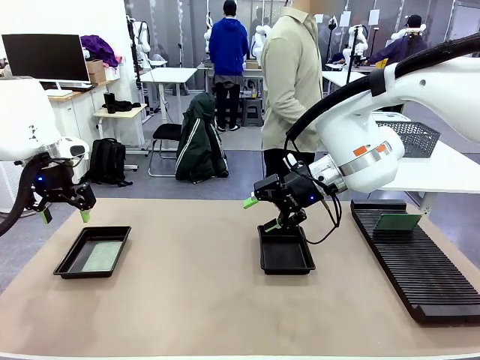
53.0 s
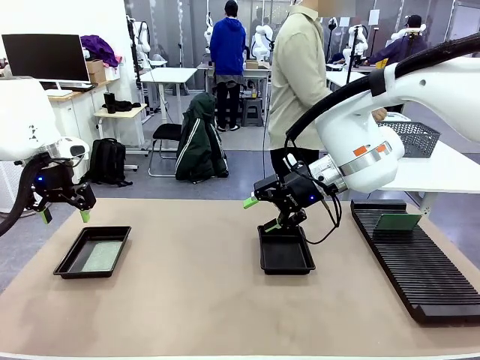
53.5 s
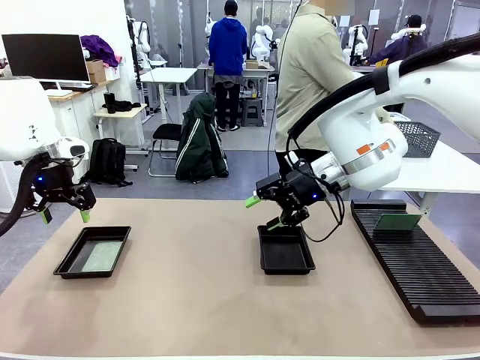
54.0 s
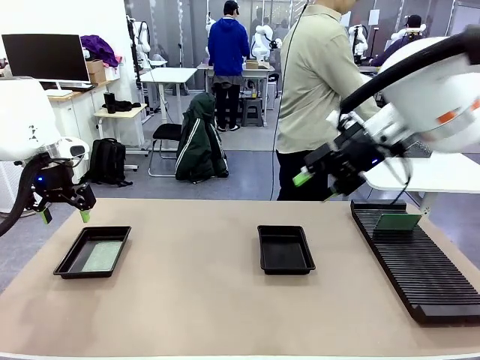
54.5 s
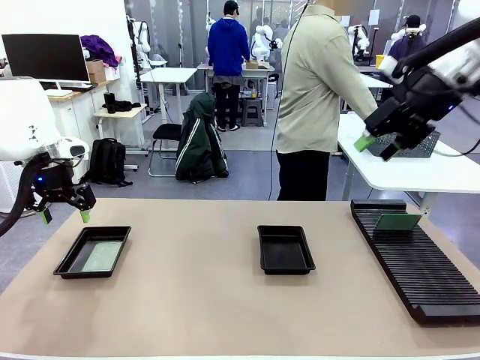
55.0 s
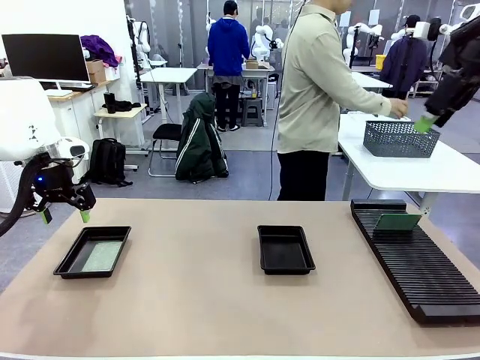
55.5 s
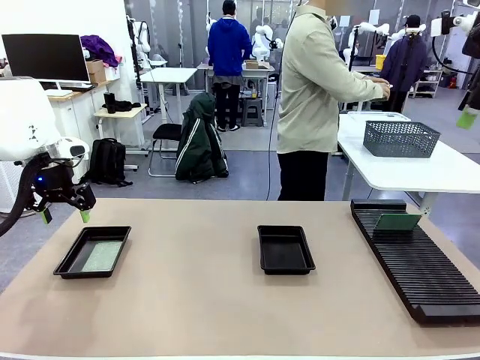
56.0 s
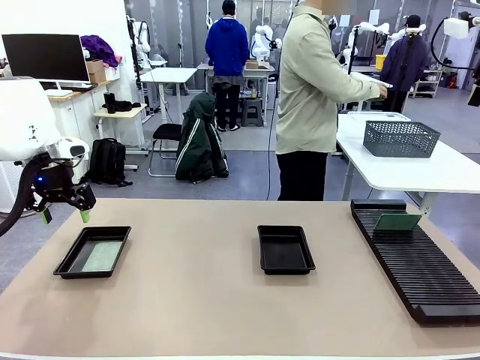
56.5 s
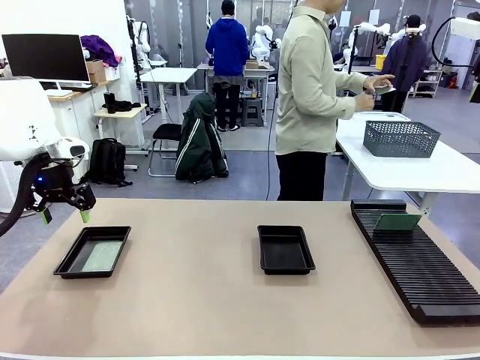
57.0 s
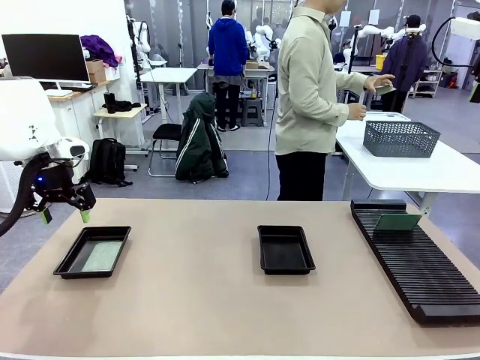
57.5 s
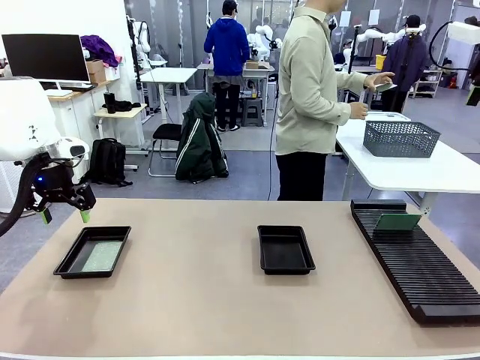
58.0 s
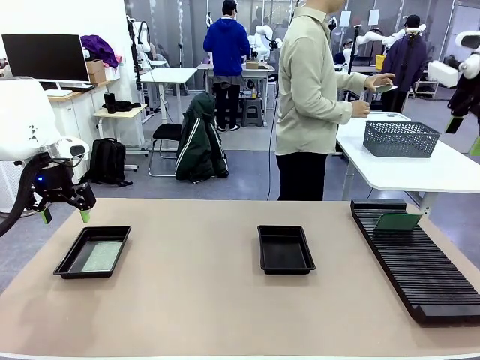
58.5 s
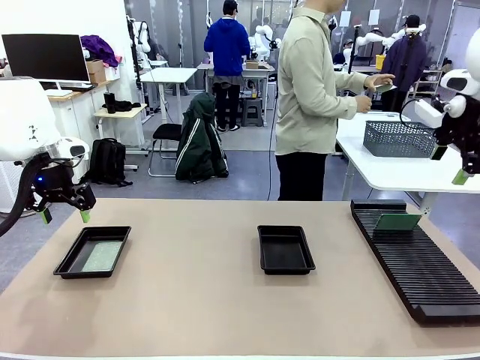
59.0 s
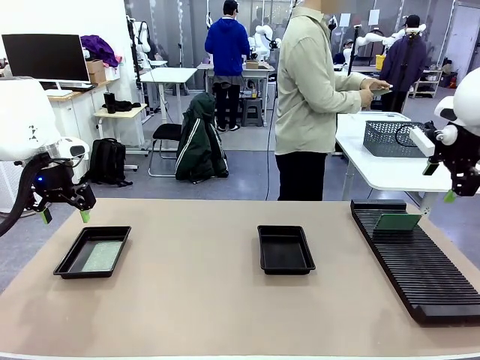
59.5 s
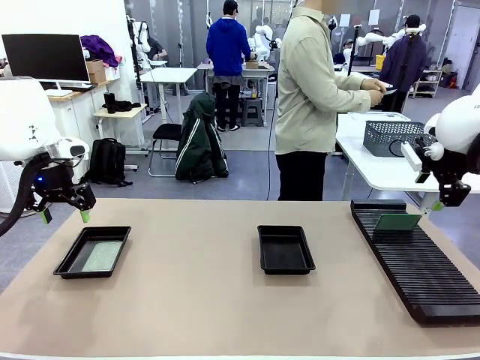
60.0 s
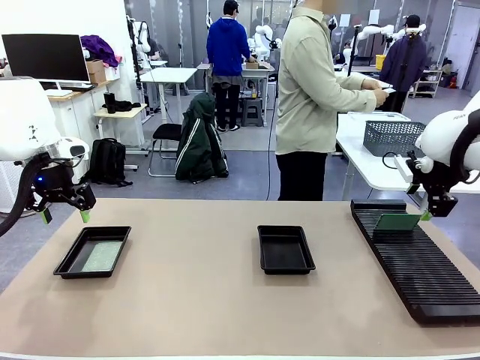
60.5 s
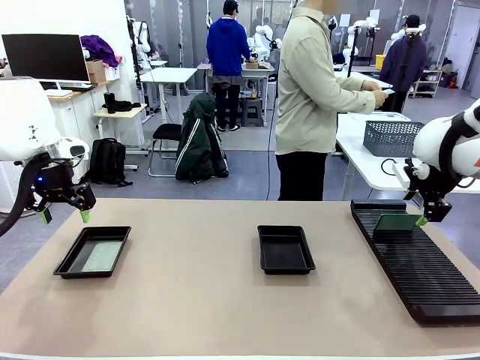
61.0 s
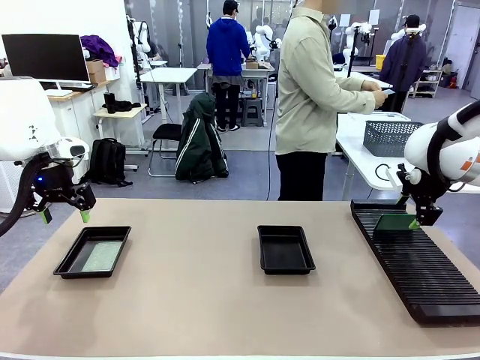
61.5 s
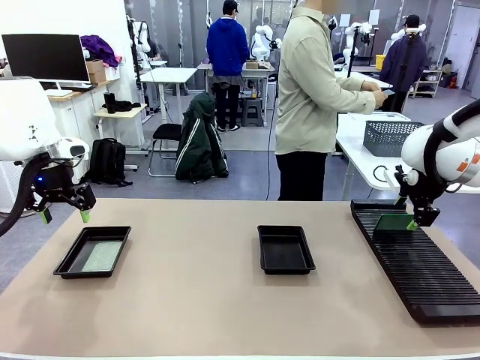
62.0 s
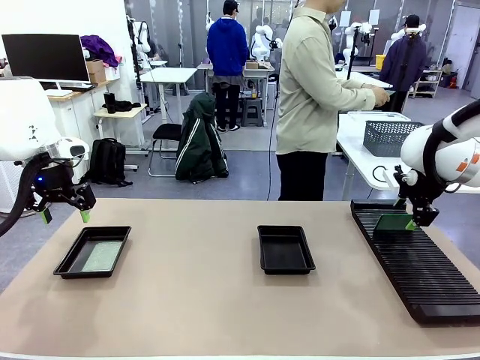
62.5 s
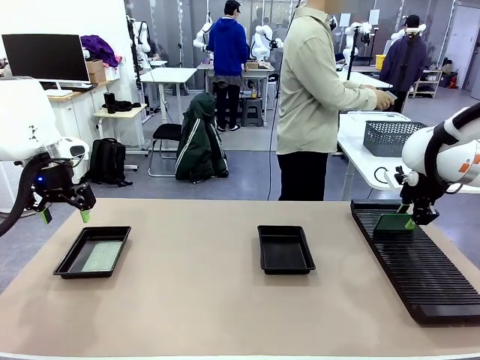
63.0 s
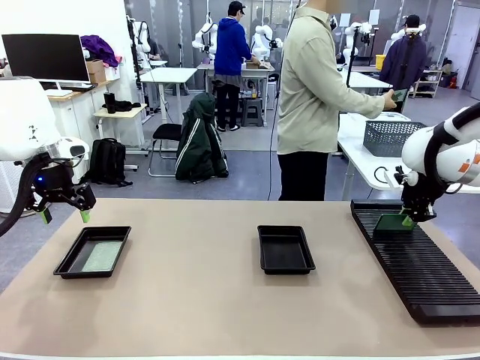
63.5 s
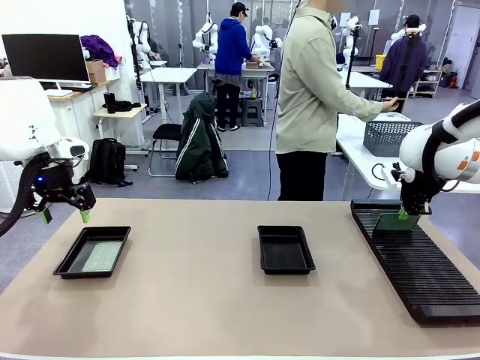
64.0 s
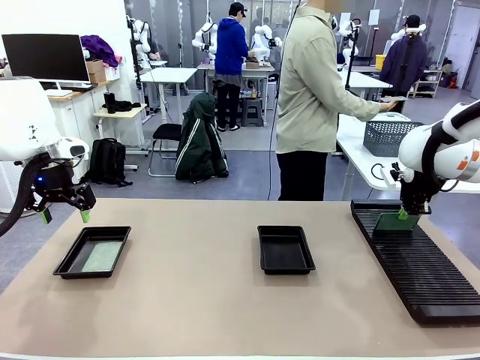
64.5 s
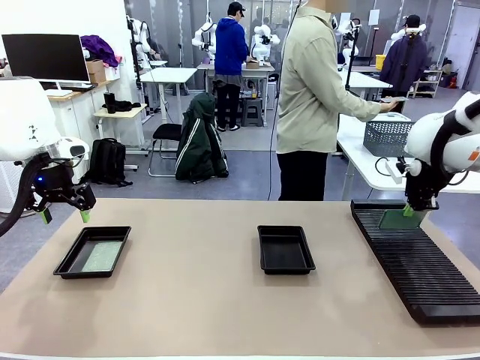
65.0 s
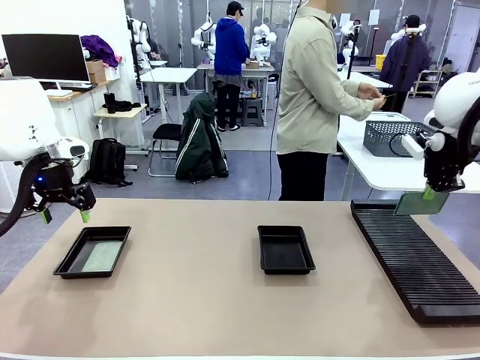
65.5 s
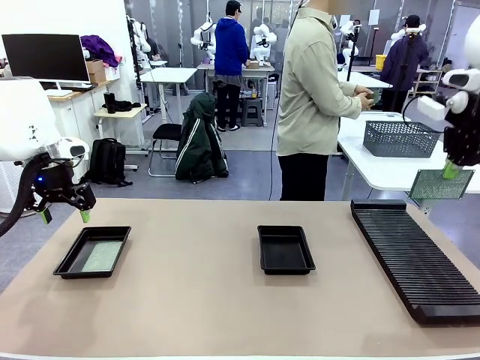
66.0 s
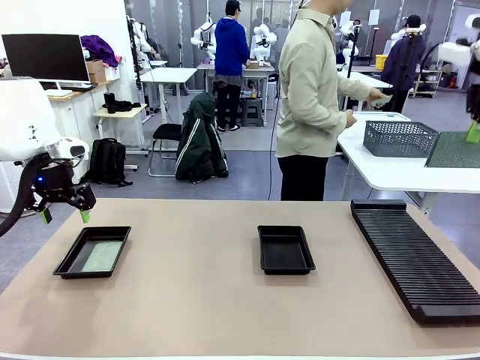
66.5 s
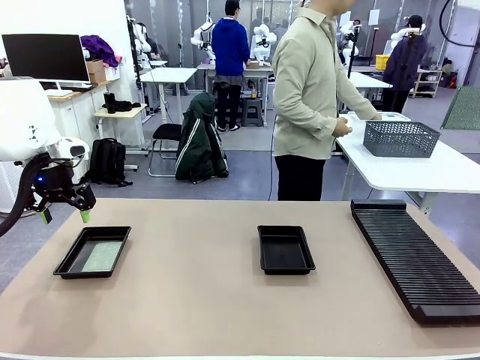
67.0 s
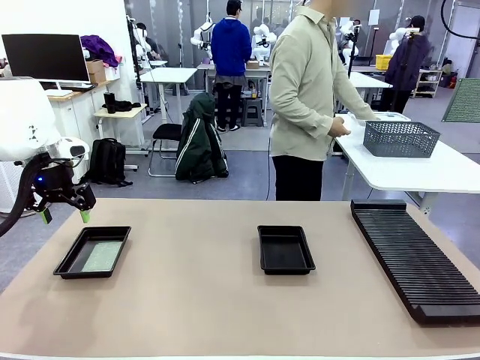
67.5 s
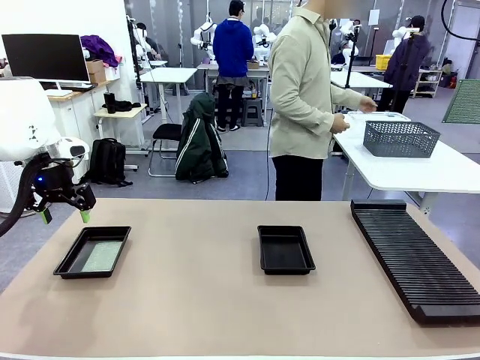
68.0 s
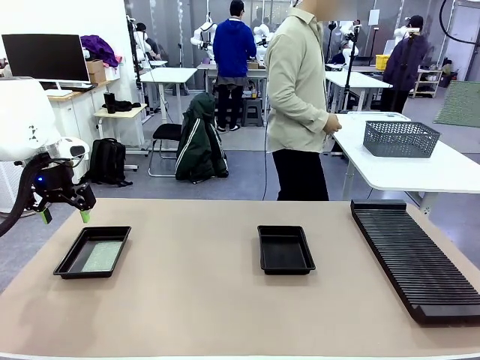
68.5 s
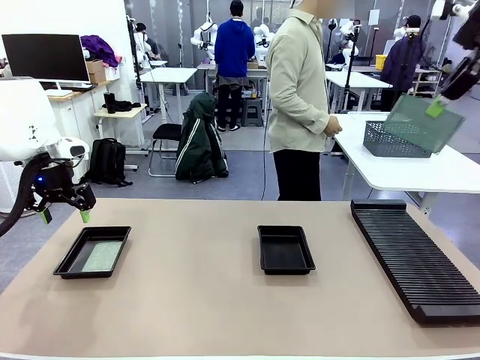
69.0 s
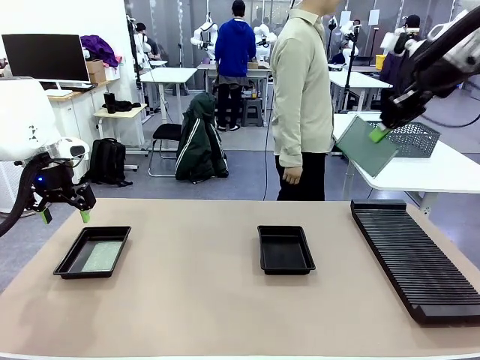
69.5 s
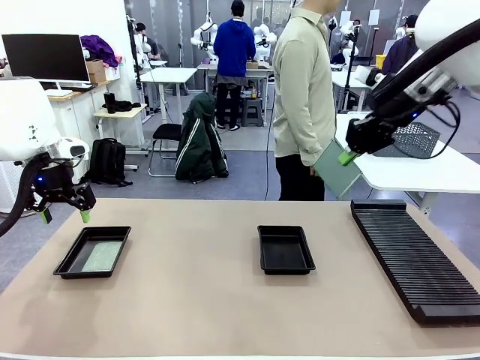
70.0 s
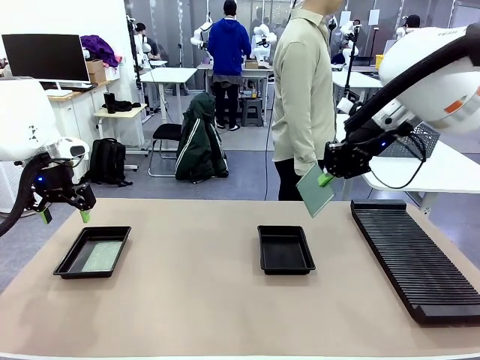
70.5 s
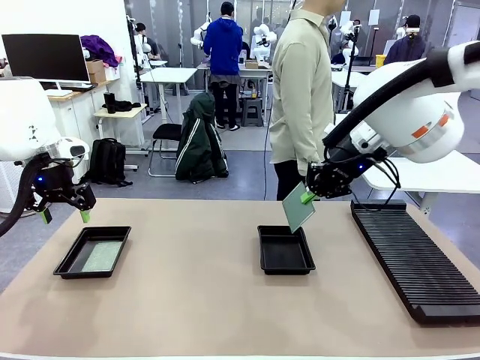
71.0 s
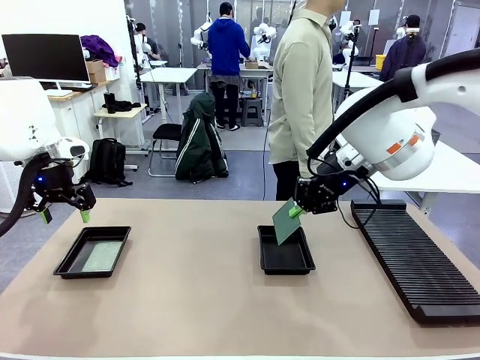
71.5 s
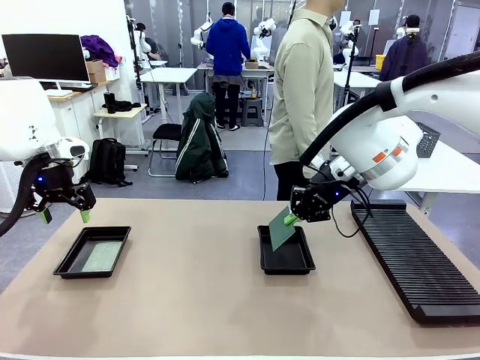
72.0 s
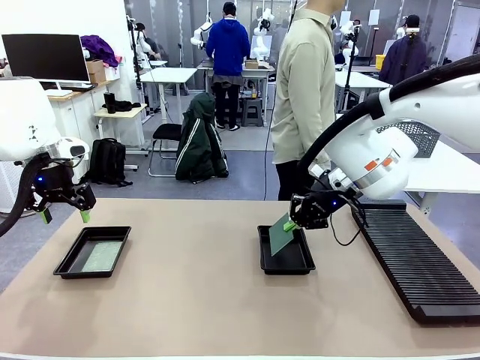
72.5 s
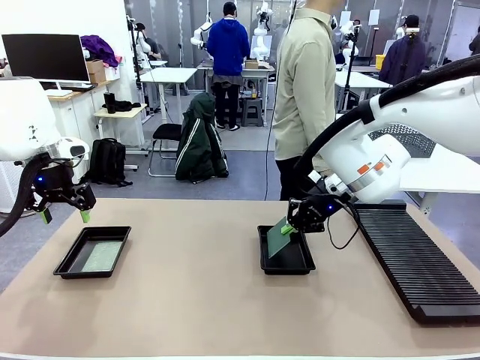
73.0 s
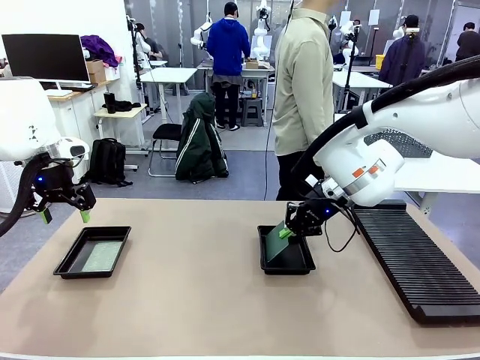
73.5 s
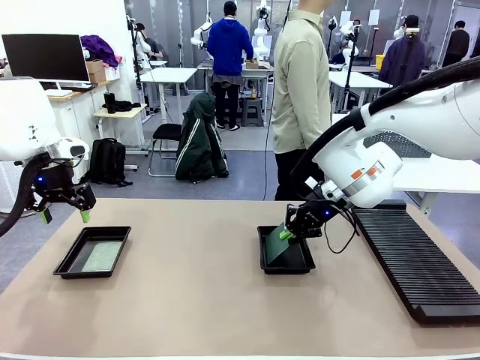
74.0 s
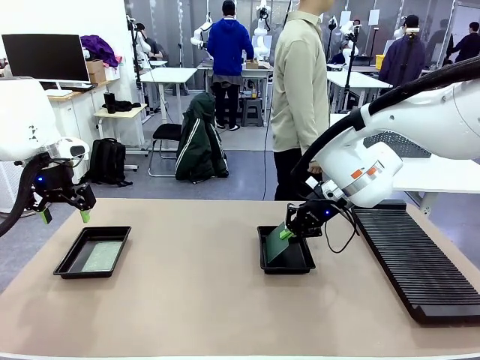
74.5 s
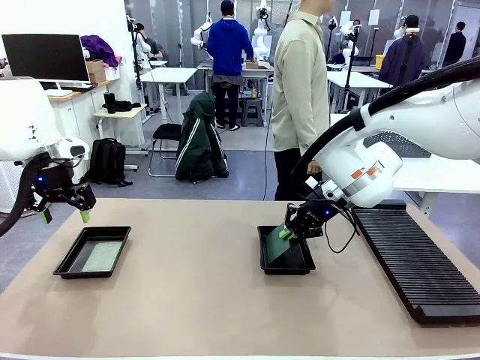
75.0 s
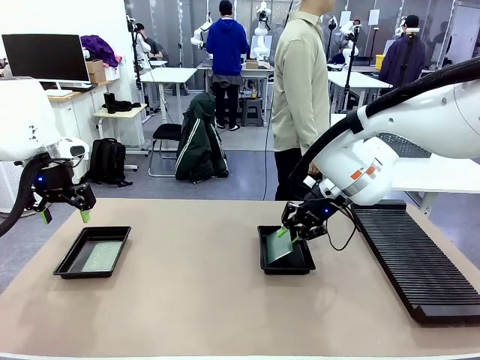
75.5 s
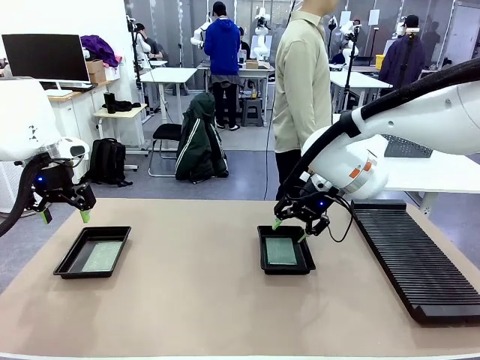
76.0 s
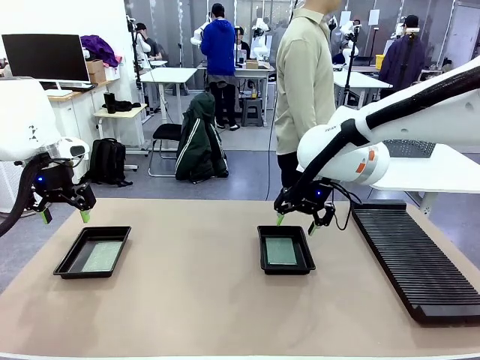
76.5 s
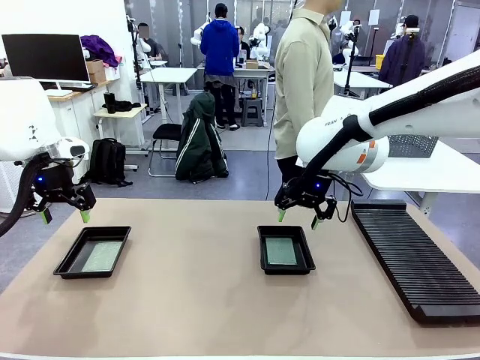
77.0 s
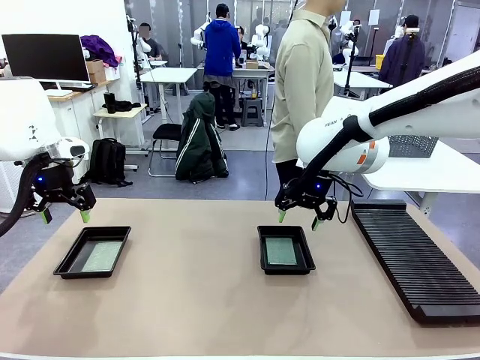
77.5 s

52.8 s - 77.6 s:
Task: Inspect and transfer BCBs to ESD trays.
Robot: Pick up the Blank PCB from the PCB Rack and place it in the right ESD tray.
